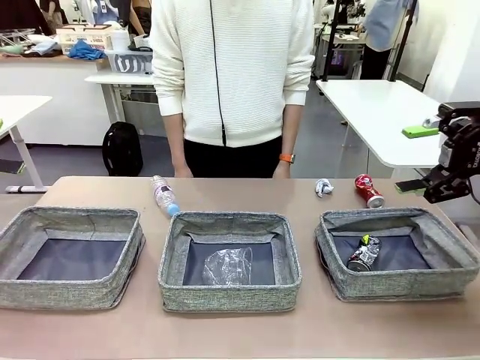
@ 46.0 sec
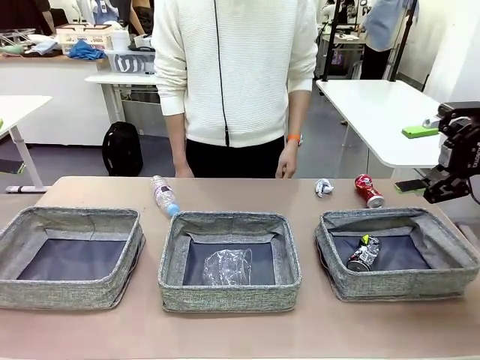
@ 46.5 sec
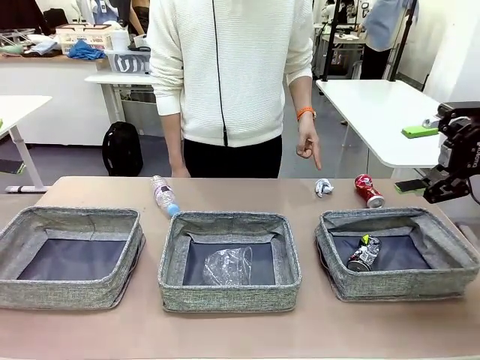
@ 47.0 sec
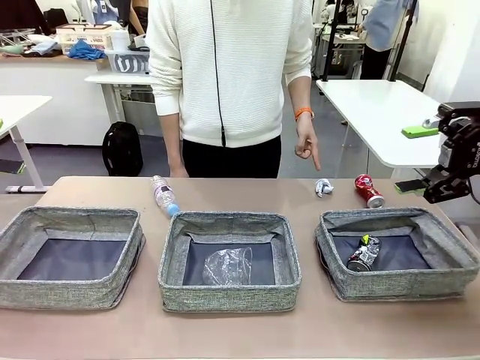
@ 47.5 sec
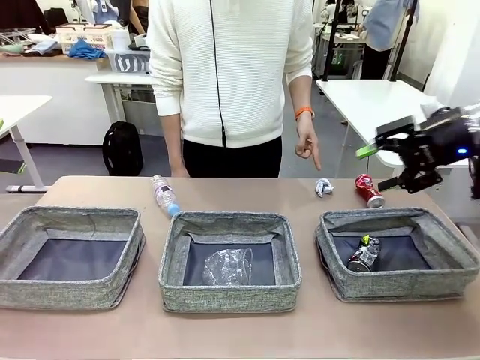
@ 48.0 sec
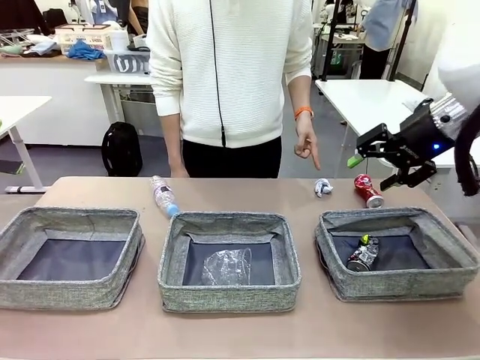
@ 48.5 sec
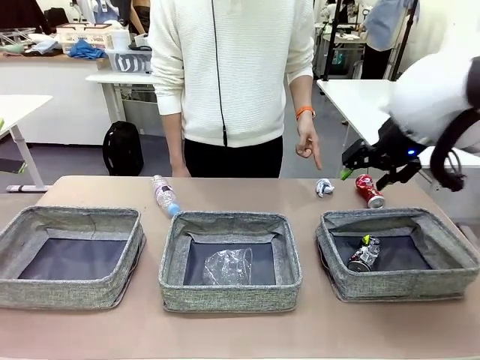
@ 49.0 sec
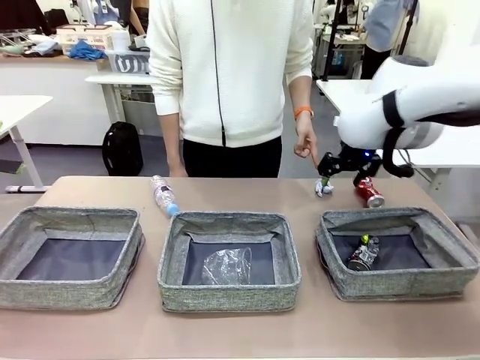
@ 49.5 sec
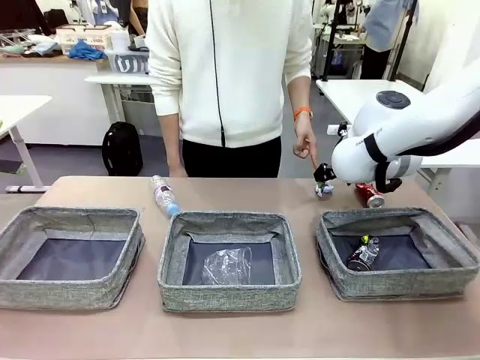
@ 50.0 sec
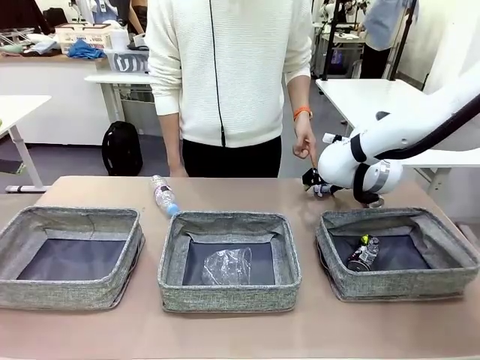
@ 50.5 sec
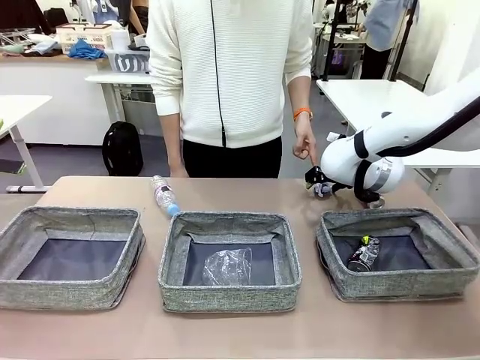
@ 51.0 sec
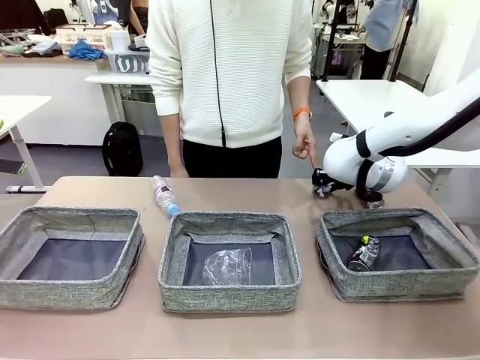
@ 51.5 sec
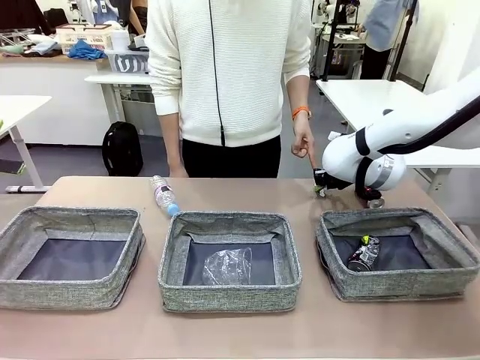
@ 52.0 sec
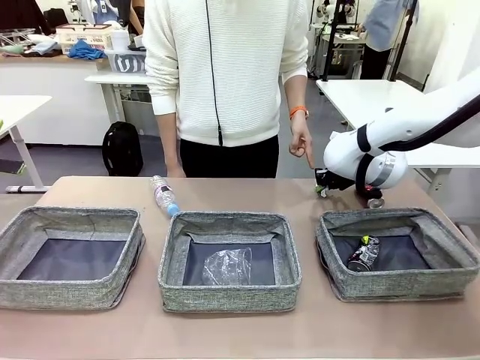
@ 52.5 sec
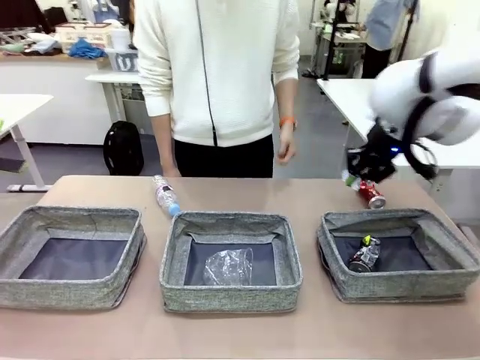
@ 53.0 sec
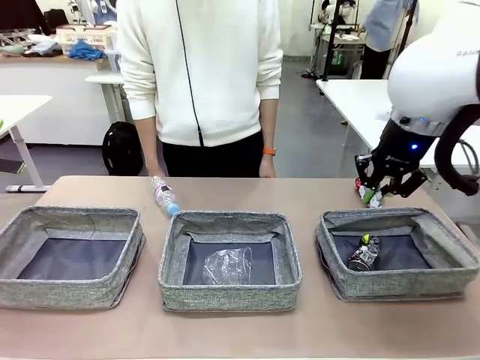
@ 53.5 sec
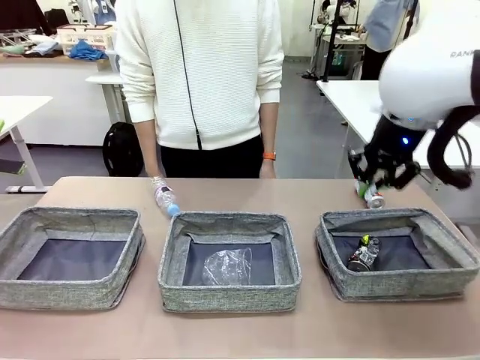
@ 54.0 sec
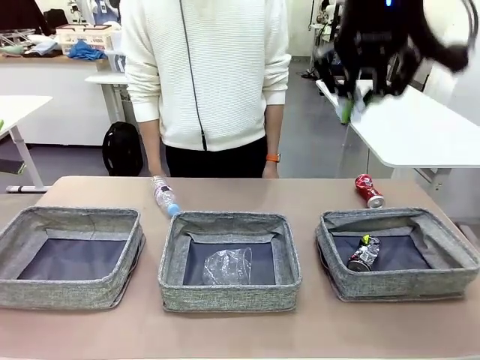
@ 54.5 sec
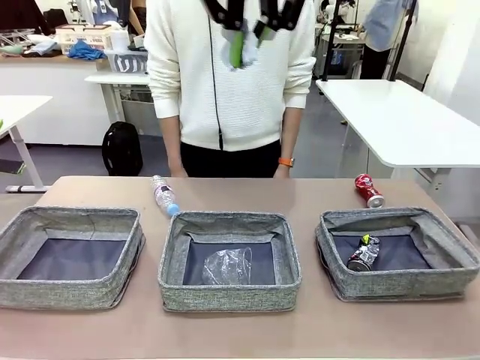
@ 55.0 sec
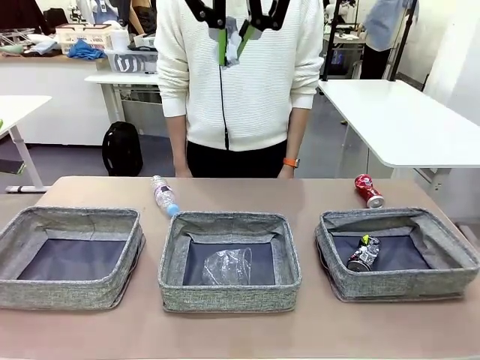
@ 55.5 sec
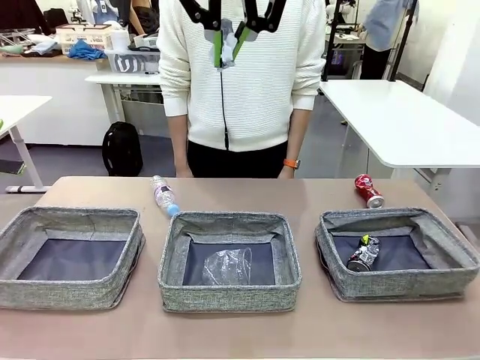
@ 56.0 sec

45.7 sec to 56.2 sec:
Task: Sort the waste into the appropriate baskets.
Robot: Pick up the waste item pointed out by the person.
Person: Points to one piece of trash on the table.

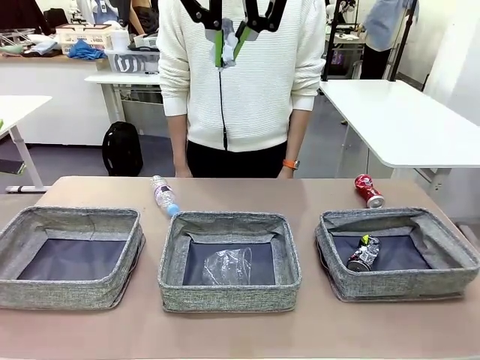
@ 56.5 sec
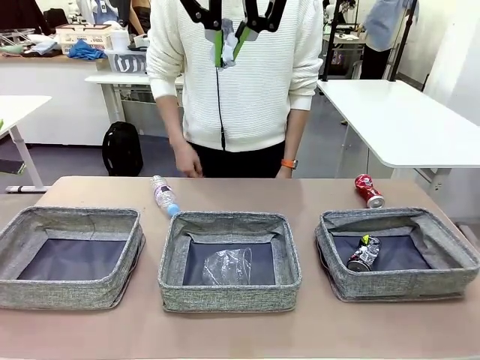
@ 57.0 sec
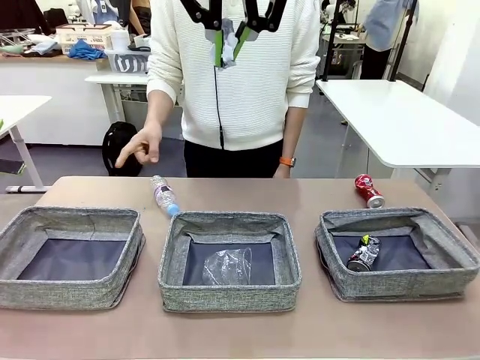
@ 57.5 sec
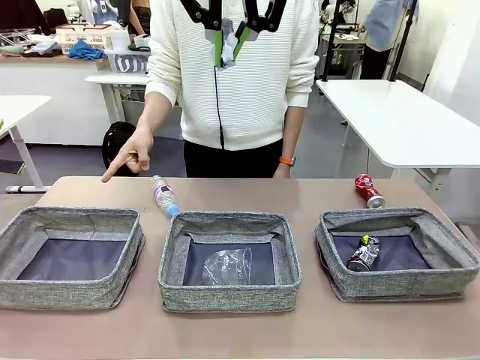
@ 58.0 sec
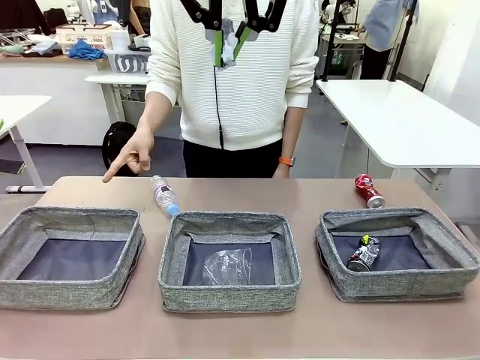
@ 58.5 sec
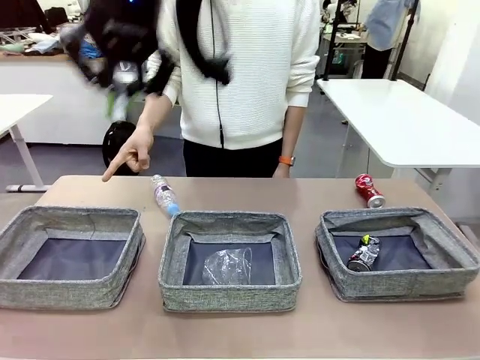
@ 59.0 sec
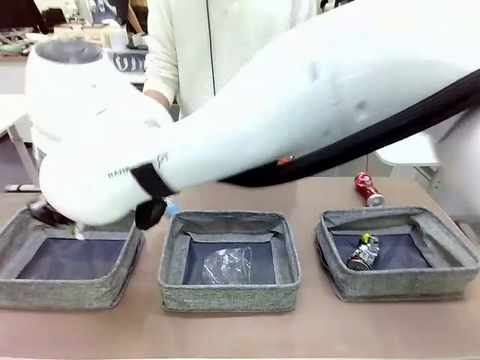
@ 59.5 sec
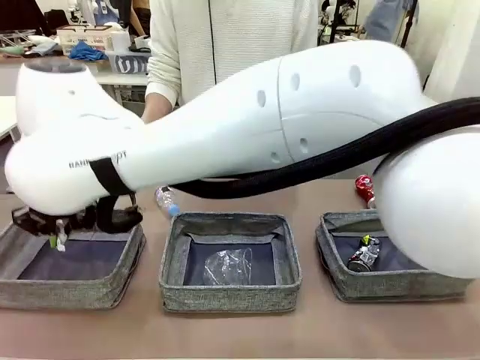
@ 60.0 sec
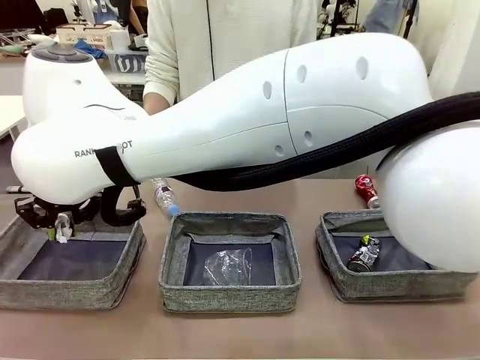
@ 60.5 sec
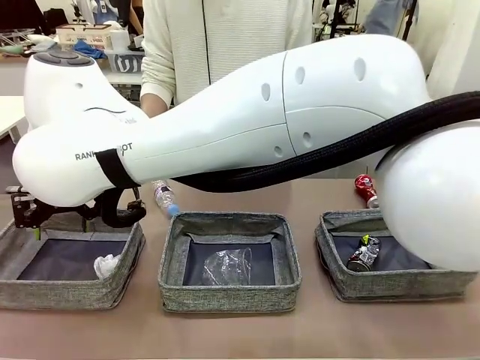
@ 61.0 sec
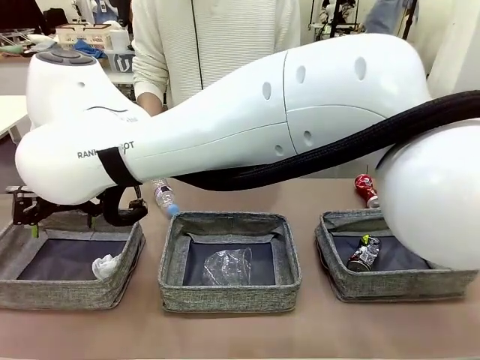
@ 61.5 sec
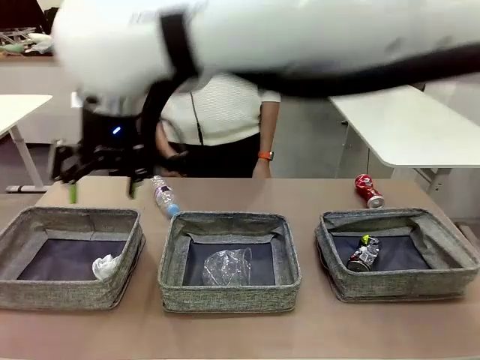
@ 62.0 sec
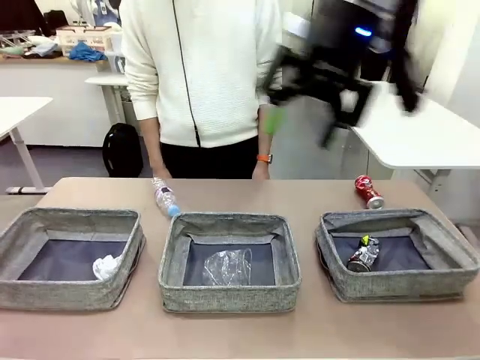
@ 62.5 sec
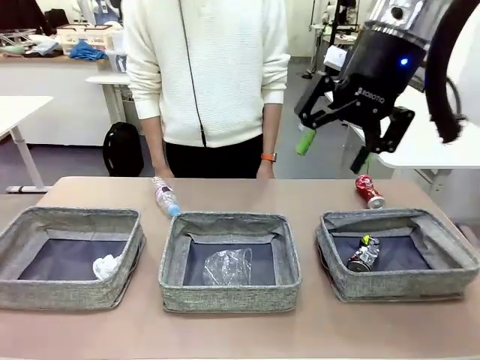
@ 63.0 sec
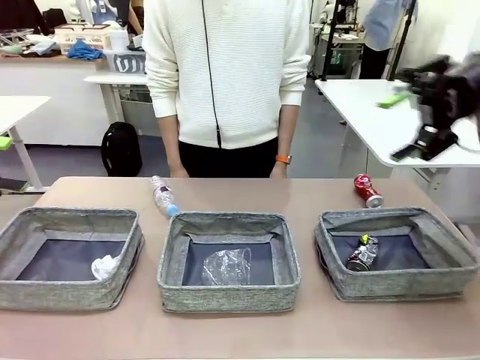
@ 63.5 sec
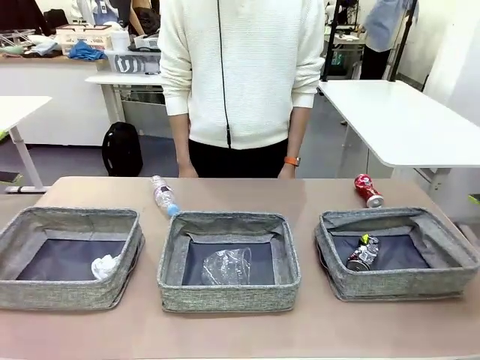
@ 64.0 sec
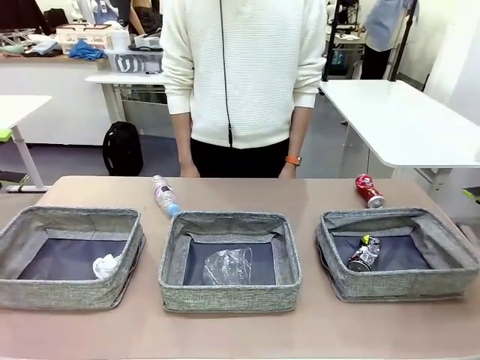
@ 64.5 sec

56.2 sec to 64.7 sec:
Robot: Place the picked waste into the Fabric basket indicated by the person.
Person: Instructs the robot to place the picked-up trash into the appropriate organizing basket.

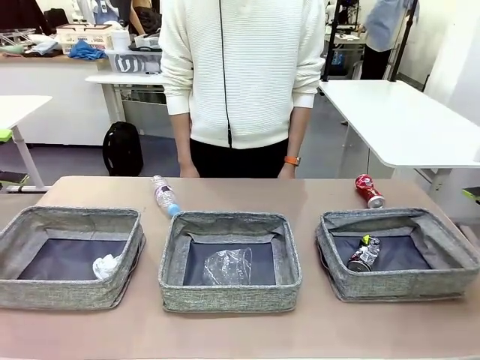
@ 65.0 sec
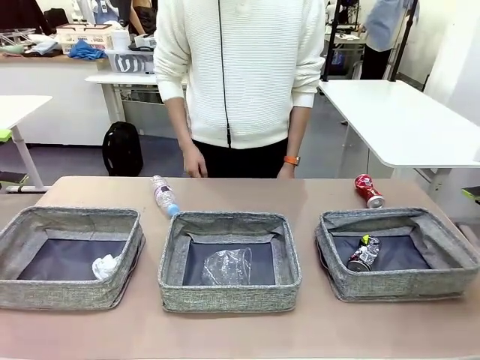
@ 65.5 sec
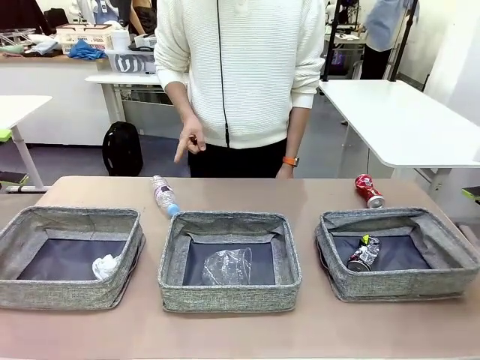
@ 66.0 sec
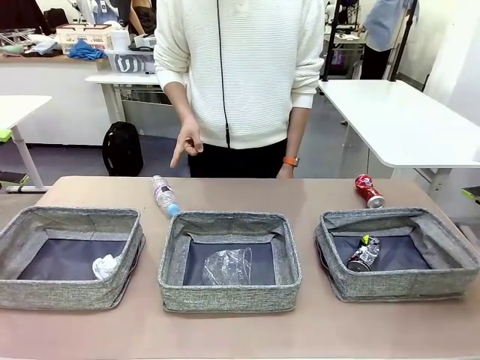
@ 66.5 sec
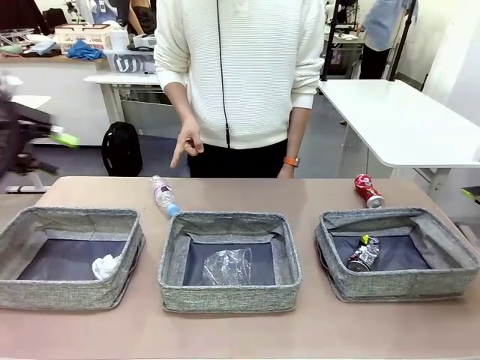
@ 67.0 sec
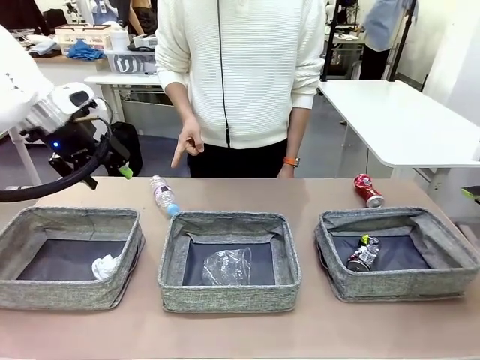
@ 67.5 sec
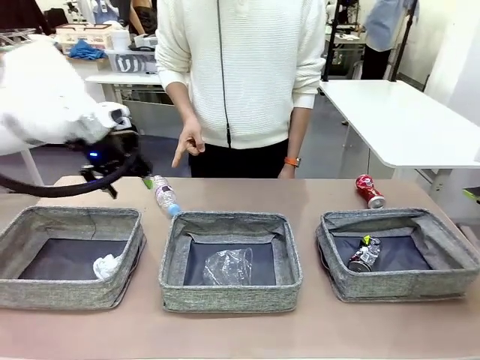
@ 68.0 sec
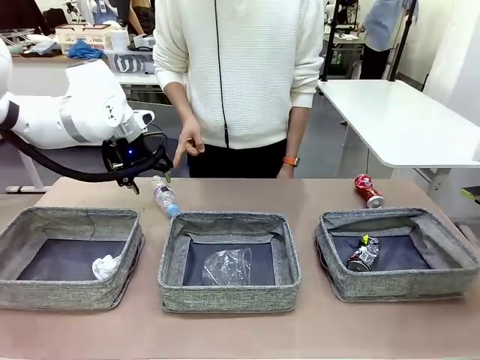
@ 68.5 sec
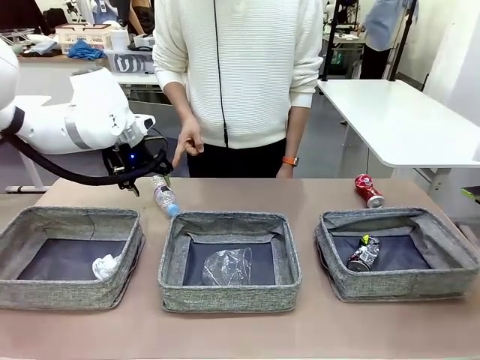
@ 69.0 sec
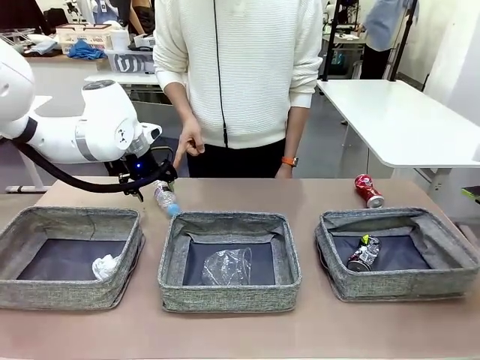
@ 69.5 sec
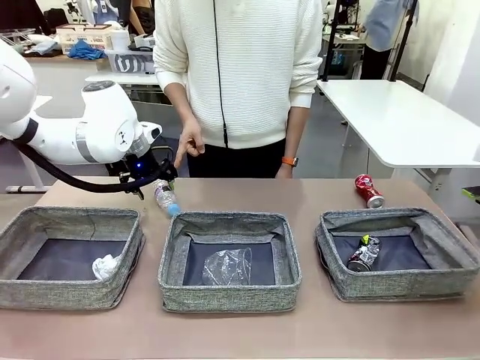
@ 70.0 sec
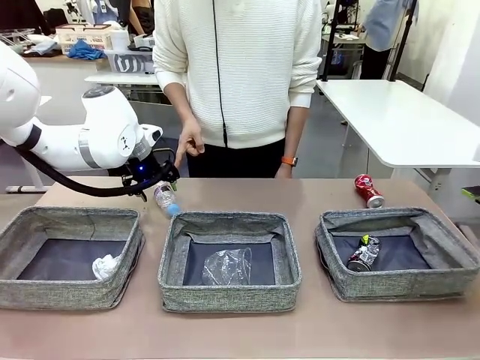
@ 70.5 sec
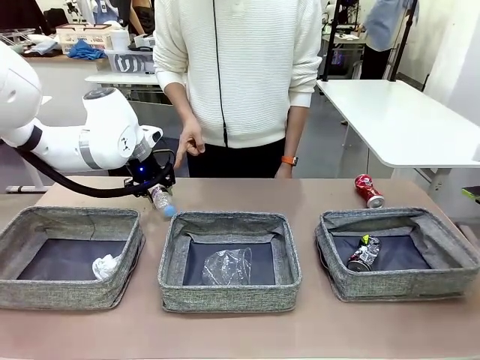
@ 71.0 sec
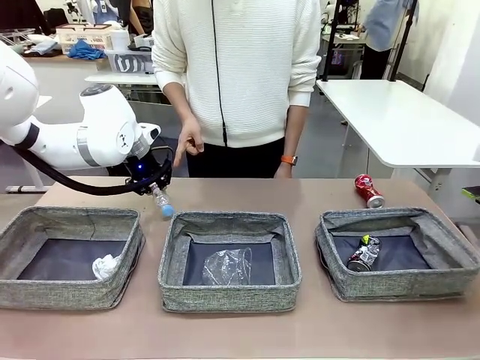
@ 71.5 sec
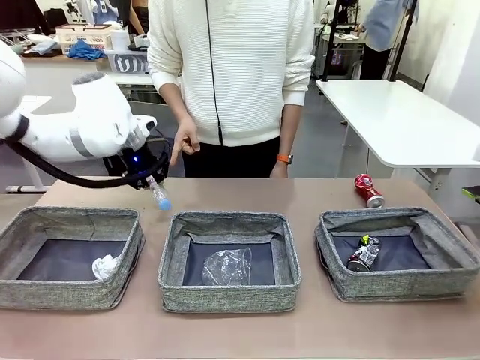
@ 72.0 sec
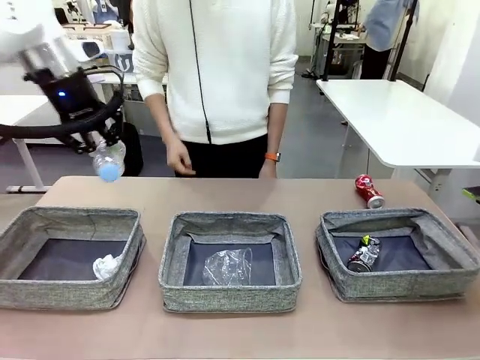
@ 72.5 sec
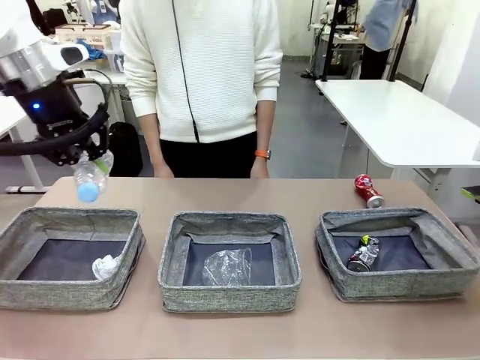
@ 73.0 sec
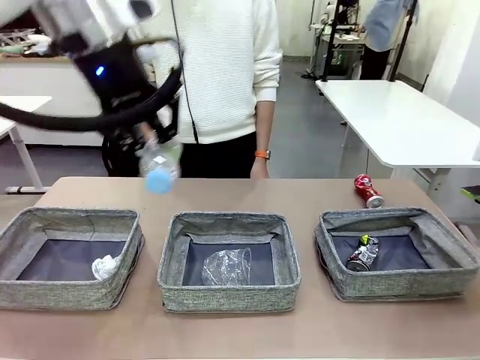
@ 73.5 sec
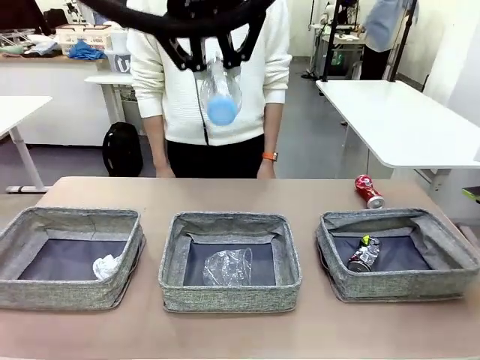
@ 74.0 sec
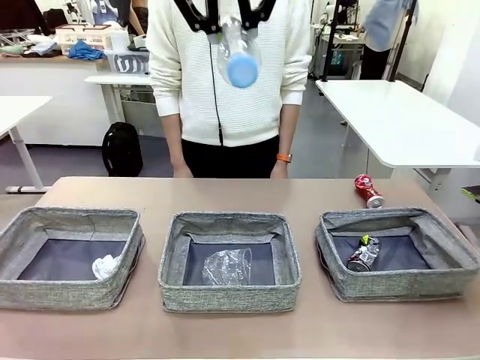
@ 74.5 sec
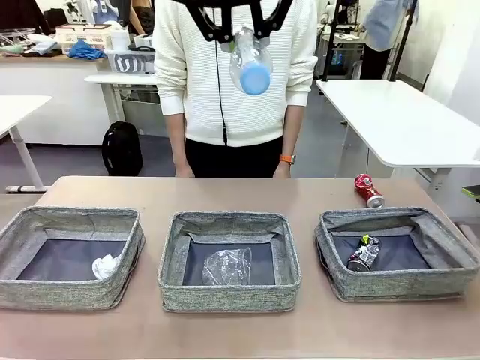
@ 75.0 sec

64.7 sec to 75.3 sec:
Robot: Pick up the waste item pointed out by the person.
Person: Points to one piece of trash on the table.
